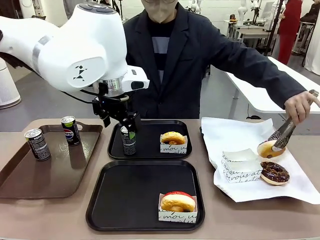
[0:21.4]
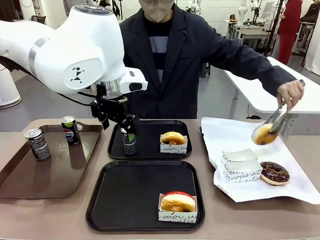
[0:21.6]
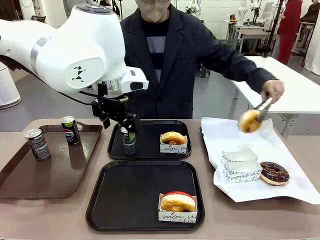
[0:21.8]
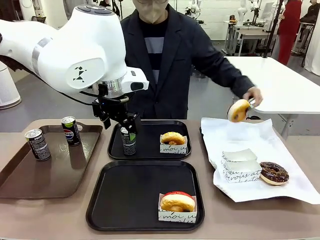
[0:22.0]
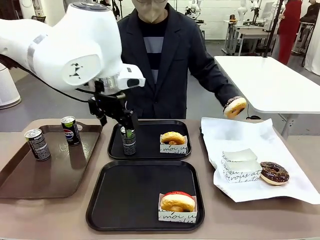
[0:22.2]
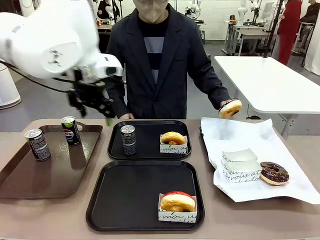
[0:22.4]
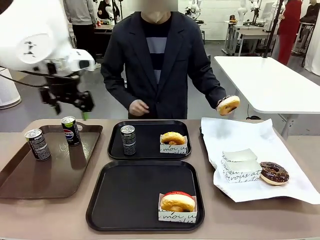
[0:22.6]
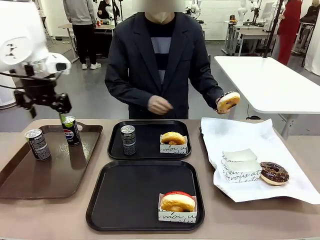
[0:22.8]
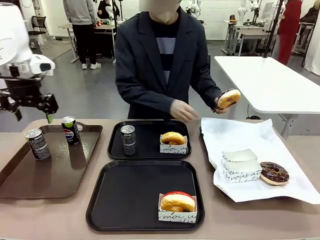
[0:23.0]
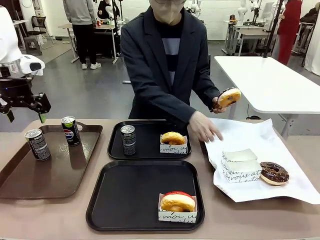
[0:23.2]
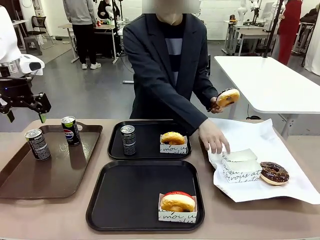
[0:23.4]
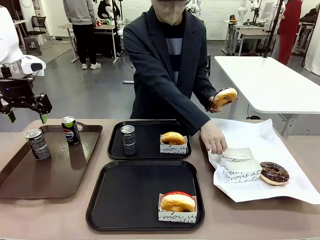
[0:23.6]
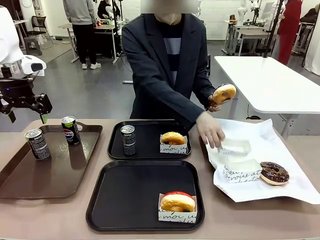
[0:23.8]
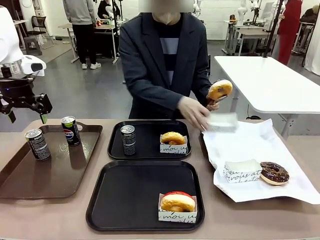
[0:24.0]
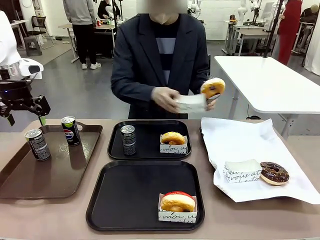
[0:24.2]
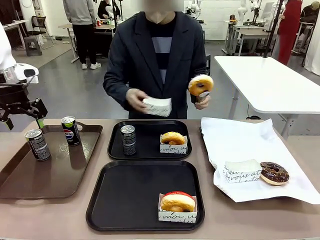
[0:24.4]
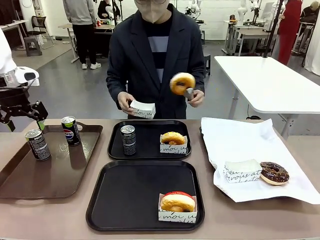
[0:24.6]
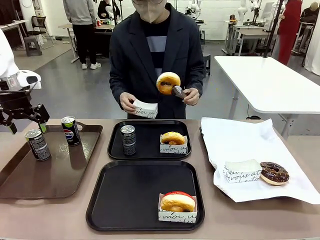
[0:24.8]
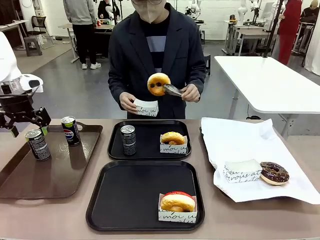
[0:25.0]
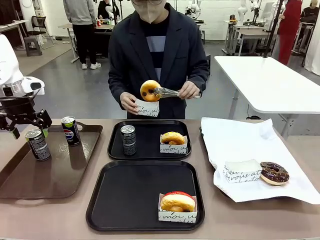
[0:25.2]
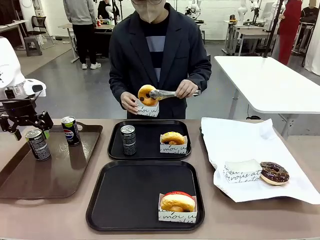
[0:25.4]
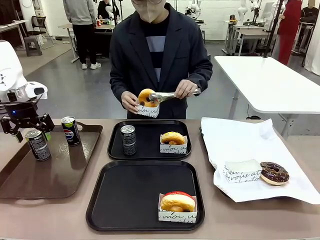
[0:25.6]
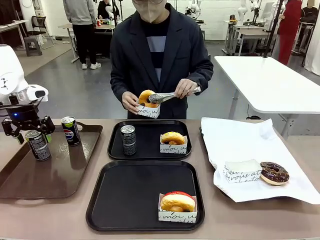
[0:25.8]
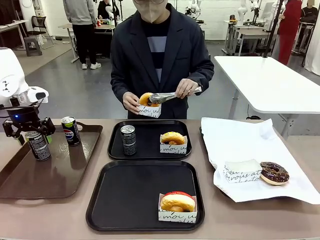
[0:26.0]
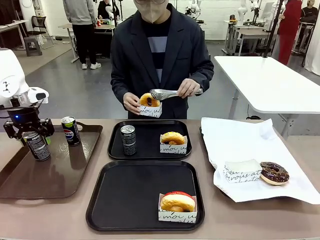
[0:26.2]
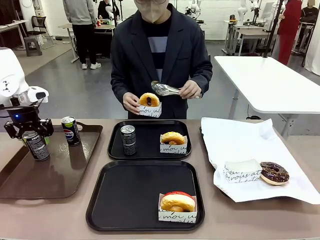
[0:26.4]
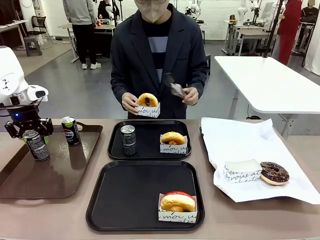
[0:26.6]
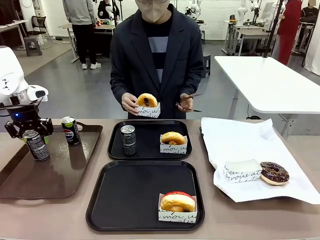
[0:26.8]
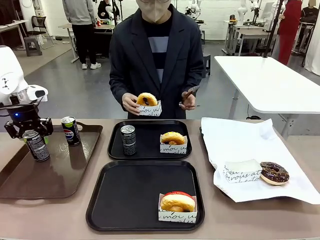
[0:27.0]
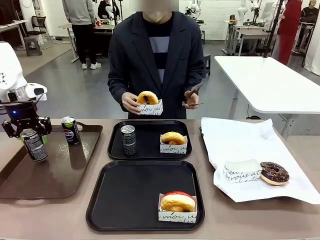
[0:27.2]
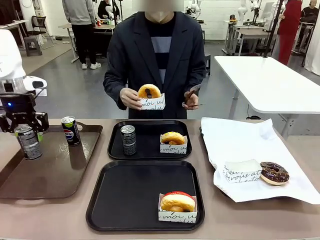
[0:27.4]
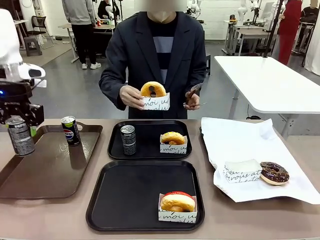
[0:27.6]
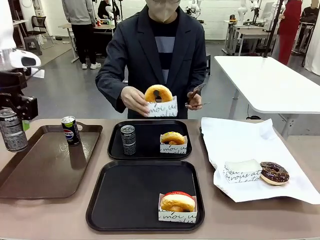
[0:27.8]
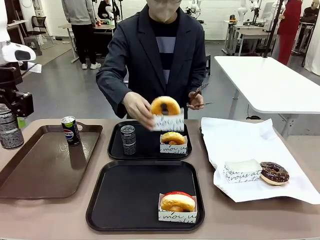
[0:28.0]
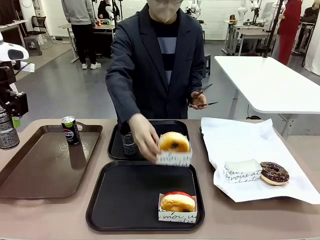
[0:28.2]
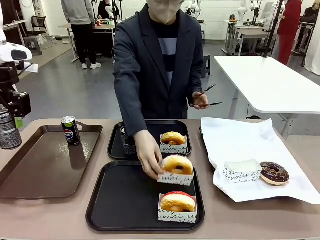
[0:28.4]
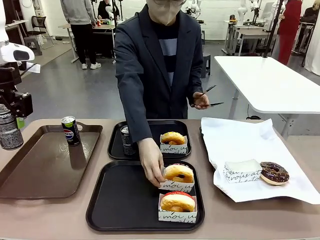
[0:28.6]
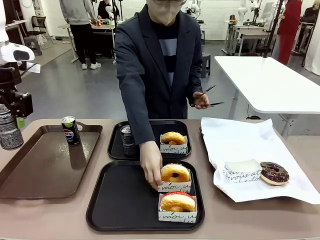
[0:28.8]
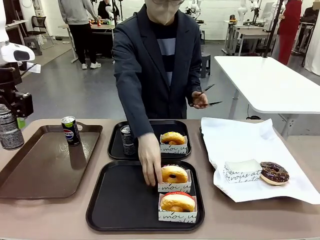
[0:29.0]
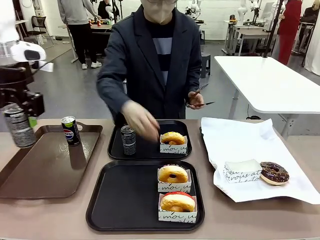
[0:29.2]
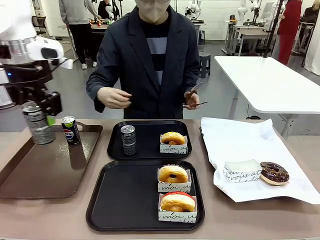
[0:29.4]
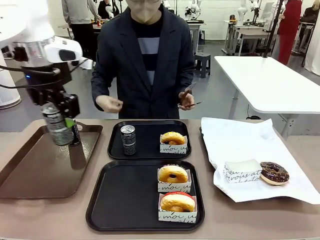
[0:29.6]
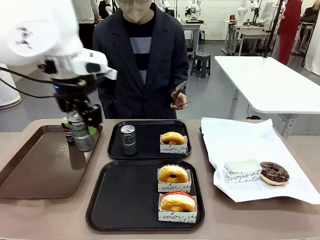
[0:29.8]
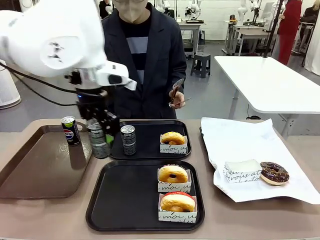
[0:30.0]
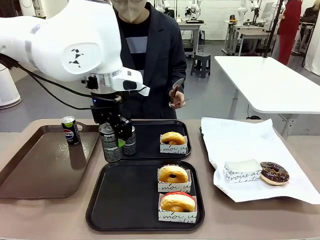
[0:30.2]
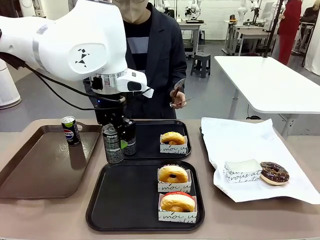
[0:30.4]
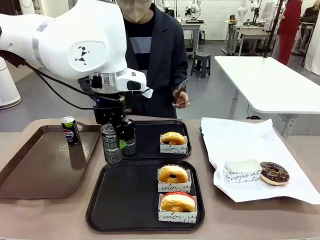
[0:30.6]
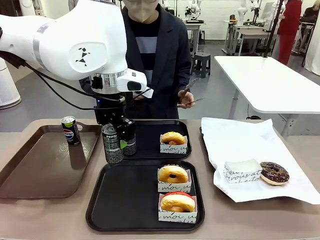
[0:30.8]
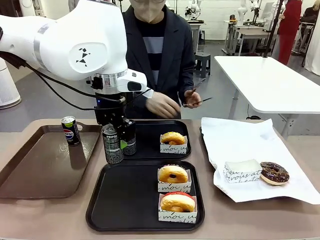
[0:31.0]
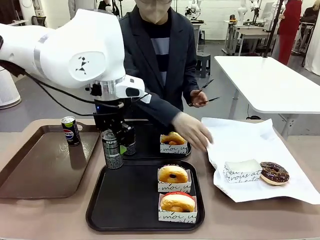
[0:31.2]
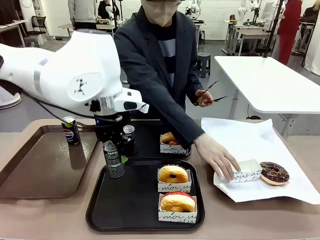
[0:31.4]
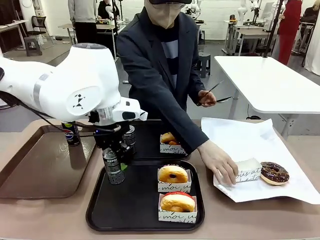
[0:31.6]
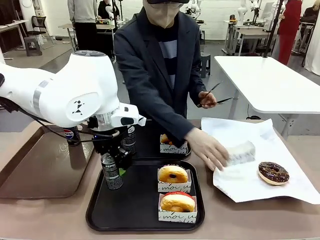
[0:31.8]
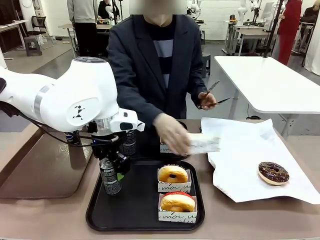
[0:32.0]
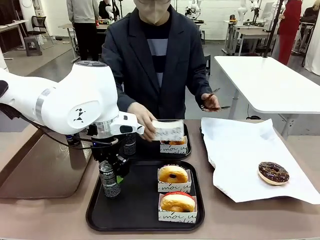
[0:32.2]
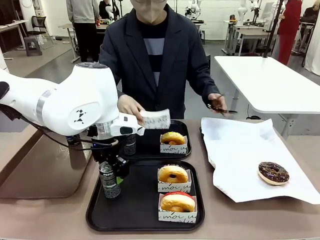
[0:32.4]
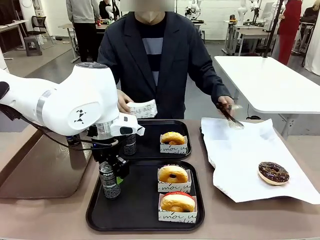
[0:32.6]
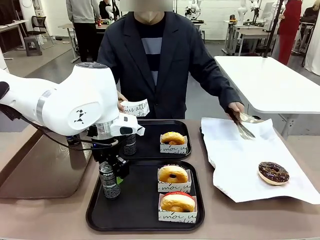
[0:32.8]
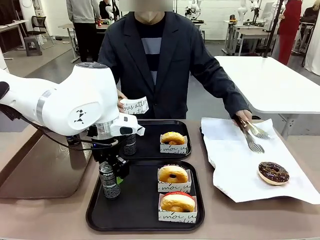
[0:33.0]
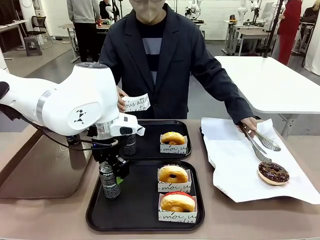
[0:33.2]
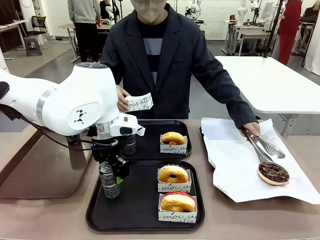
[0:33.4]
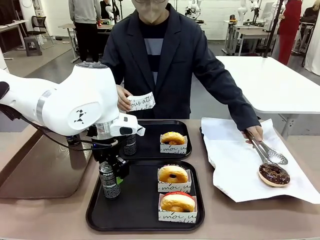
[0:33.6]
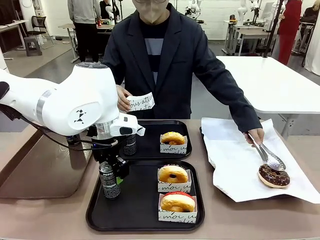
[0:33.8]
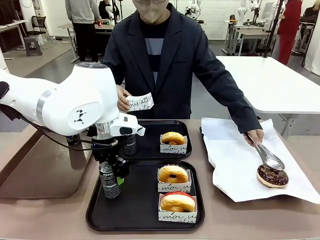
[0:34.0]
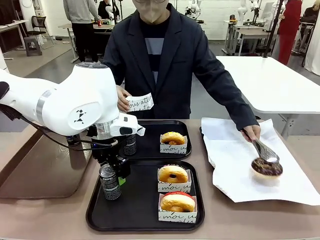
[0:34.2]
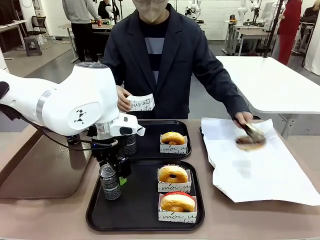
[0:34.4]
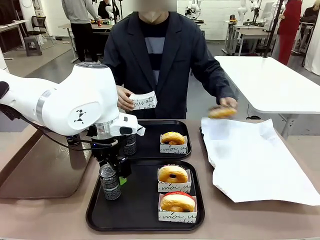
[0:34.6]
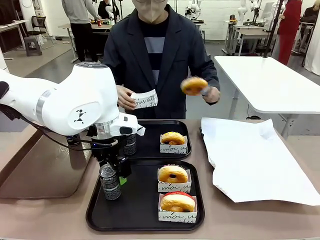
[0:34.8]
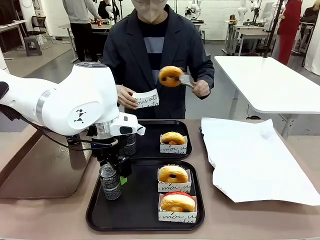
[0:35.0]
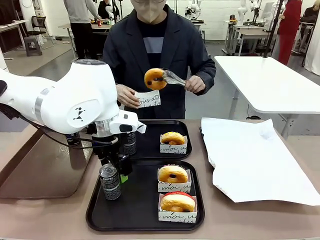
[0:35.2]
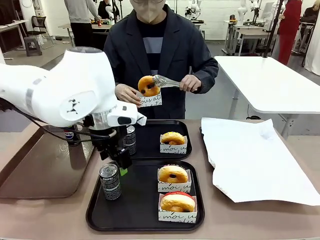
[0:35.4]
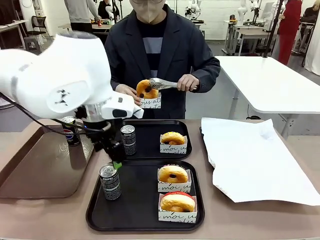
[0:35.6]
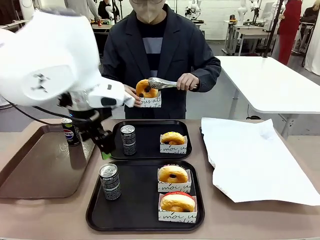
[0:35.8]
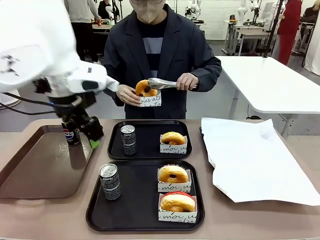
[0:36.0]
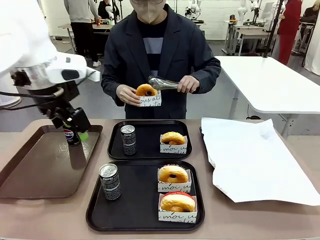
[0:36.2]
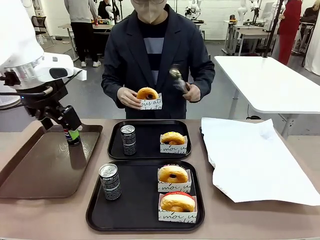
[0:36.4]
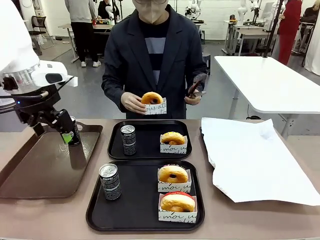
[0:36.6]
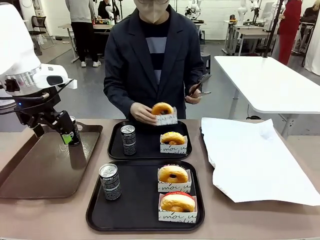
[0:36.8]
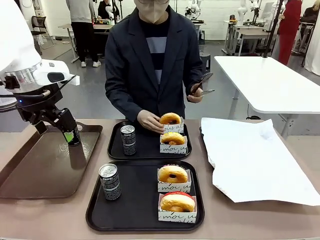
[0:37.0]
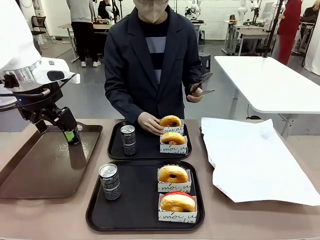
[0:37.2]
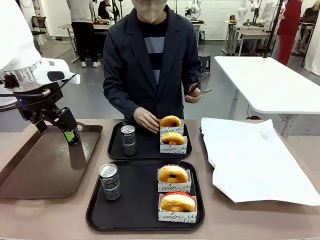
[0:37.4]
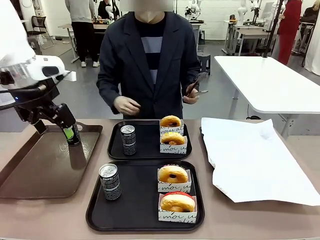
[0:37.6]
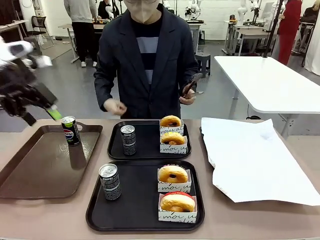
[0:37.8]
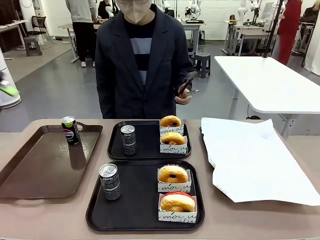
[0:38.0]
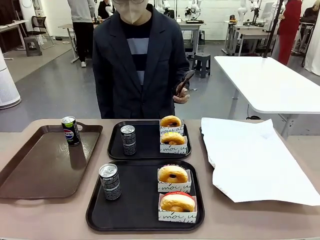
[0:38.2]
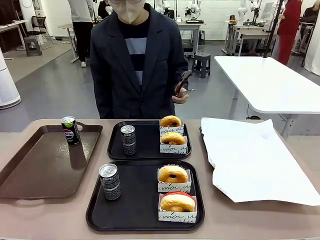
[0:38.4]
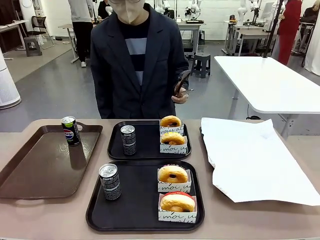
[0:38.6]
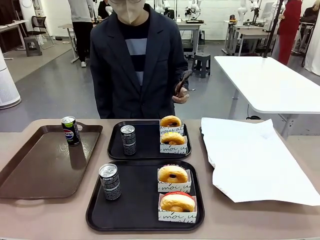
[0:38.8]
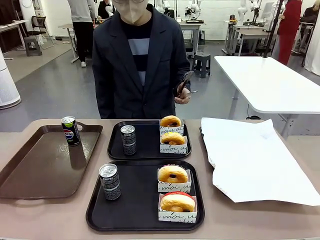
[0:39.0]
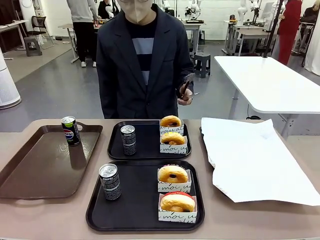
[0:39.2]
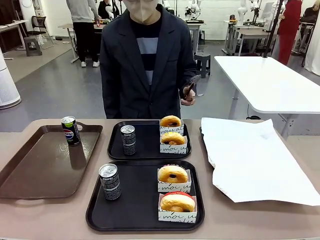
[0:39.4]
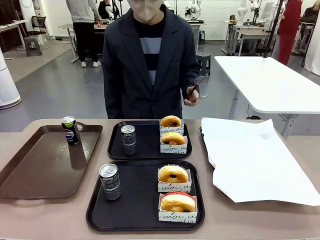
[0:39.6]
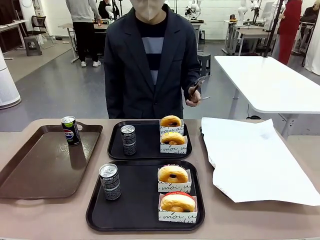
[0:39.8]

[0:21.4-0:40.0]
Task: Set up donuts and drinks on trays.
Robot: Pick up one Pepsi coke from the Handle tray and place it on the Flat Tray without a Pepsi coke.

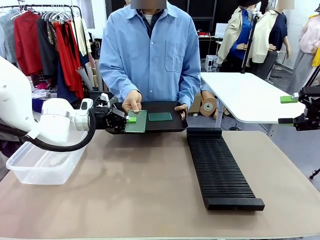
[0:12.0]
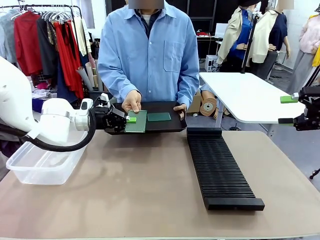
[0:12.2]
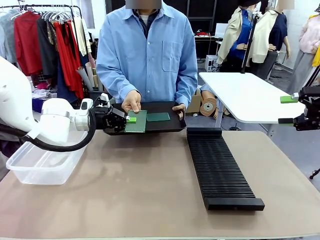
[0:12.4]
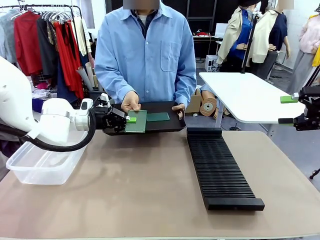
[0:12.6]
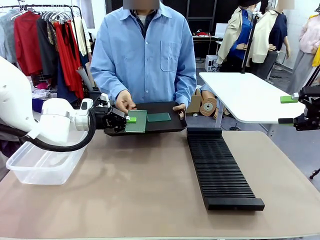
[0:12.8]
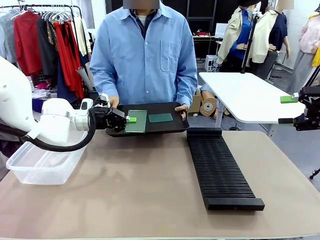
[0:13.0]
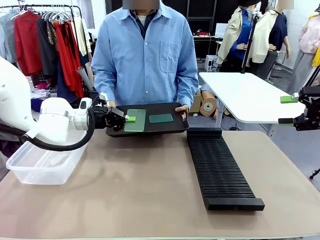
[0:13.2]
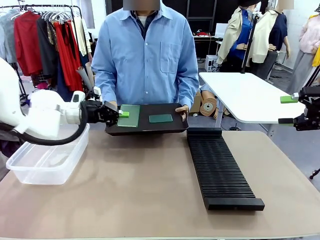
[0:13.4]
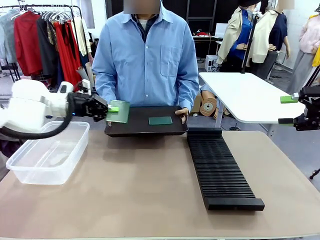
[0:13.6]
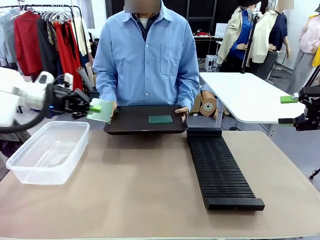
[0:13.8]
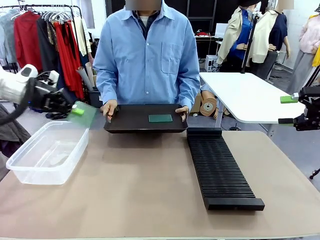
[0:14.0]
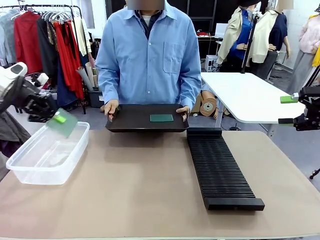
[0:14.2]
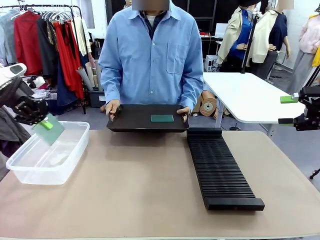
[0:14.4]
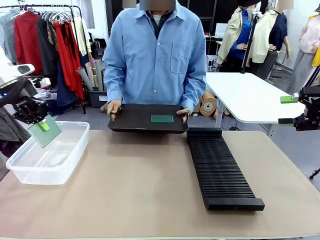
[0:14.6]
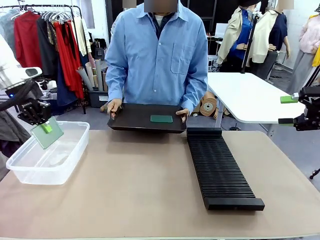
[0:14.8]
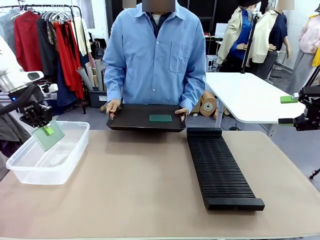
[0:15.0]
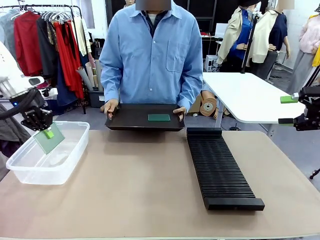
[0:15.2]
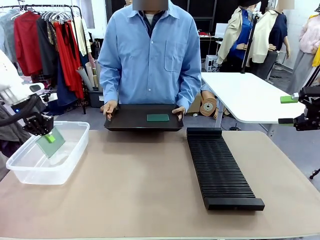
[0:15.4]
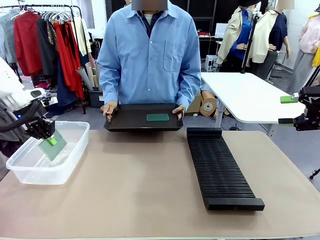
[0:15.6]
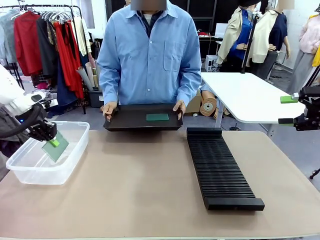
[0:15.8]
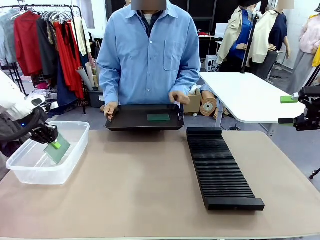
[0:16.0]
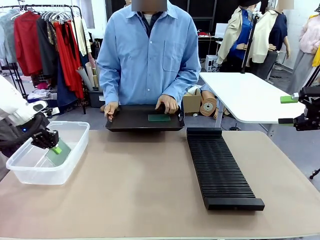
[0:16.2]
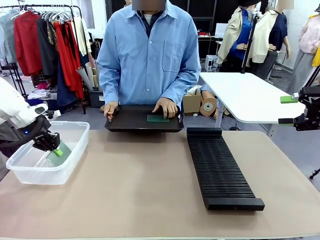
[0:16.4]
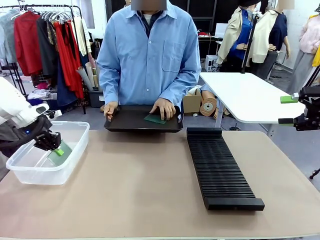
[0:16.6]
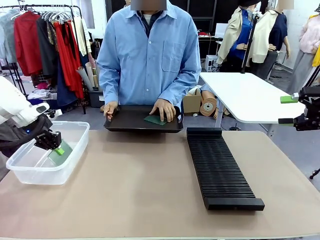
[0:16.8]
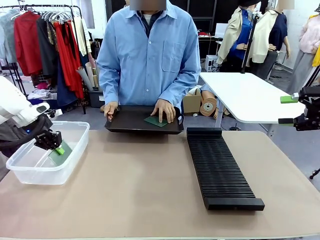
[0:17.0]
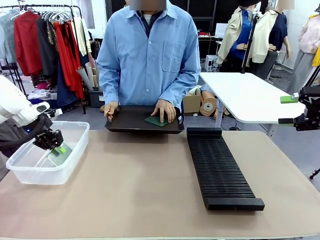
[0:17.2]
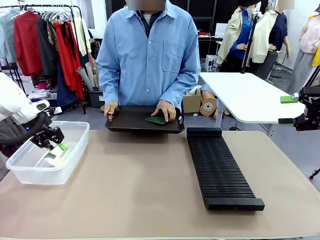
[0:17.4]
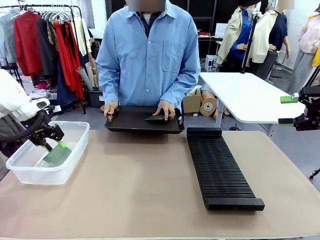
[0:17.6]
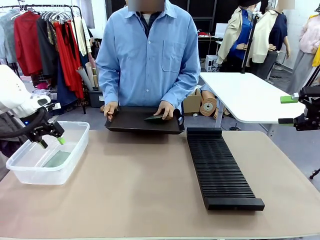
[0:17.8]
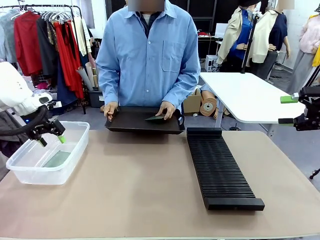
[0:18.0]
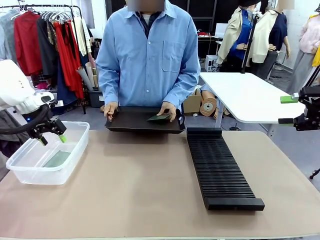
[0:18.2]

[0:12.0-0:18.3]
Task: Sort PCBs into racks and boxes based on the side picked up.
Robot: If the short side of the Blank PCB is picked up, insert it into the PCB Rack ; if the long side is picked up, place it in the Organizing box.
Person: Pick one PCB from the tray and present it to the robot.
